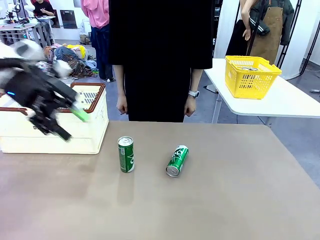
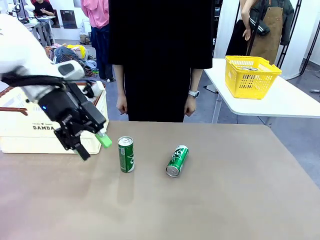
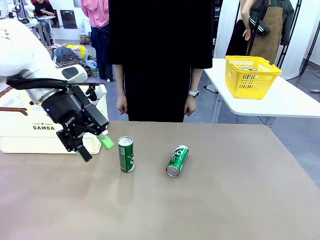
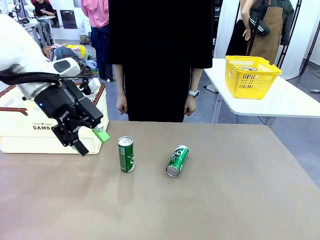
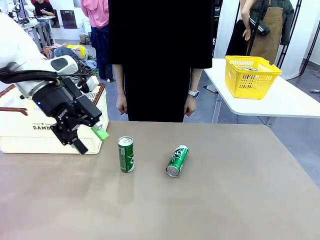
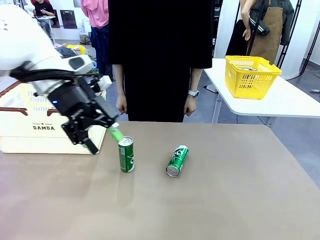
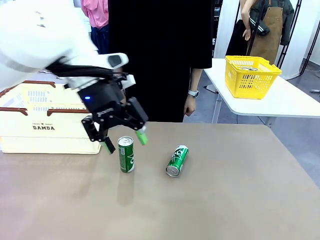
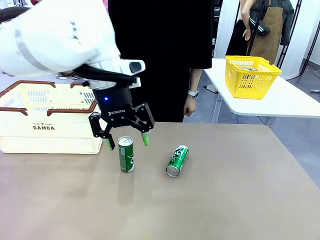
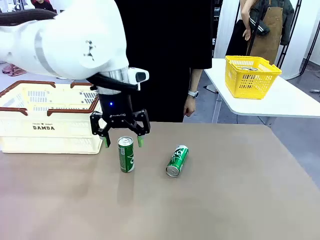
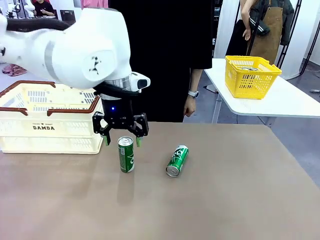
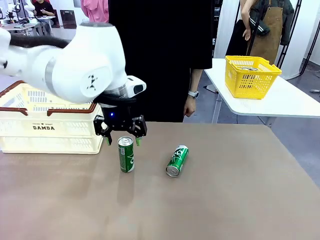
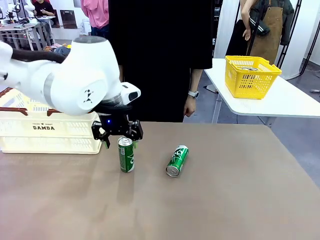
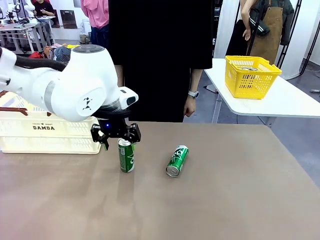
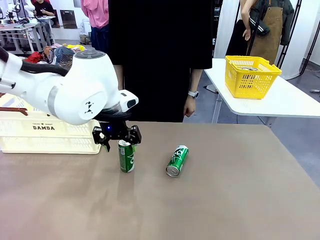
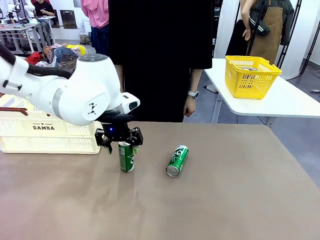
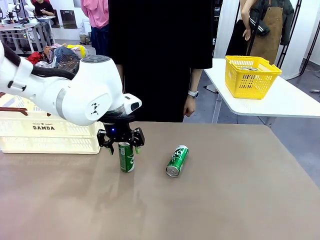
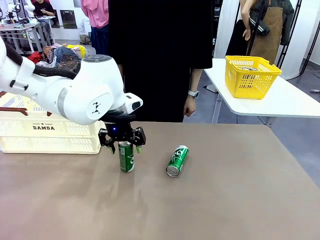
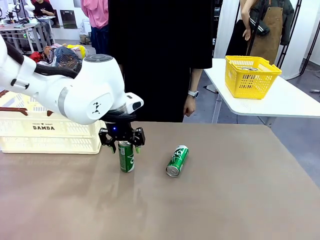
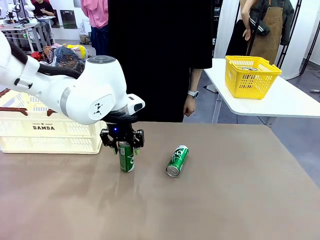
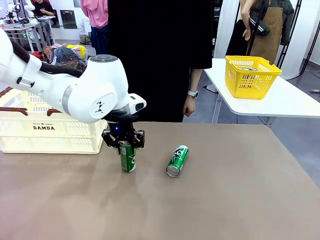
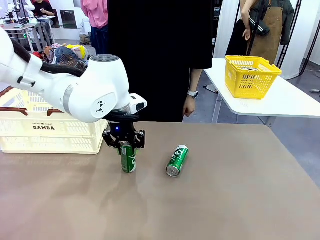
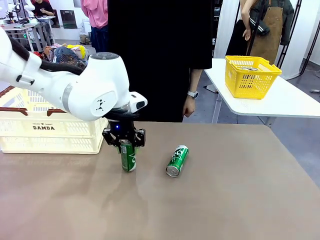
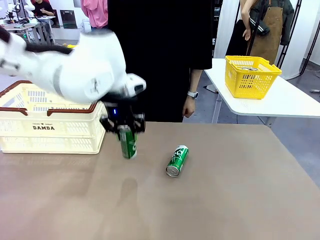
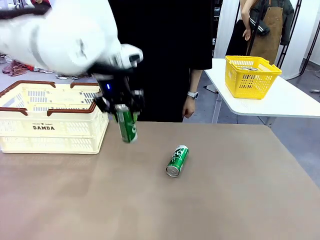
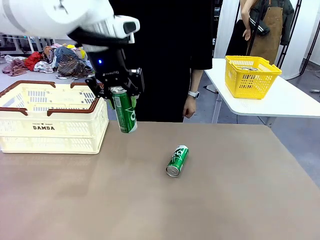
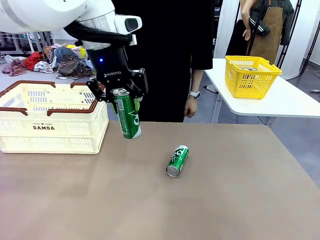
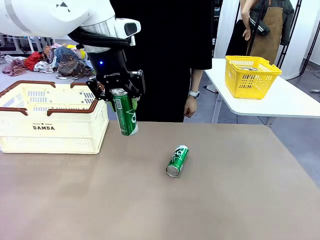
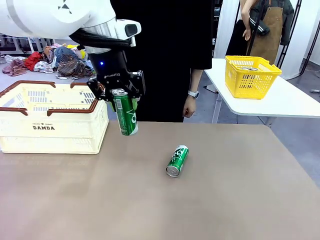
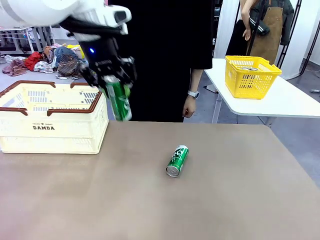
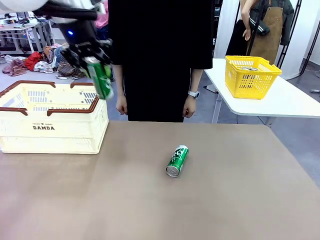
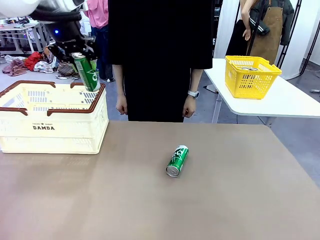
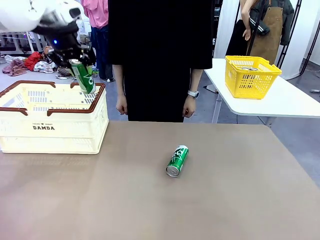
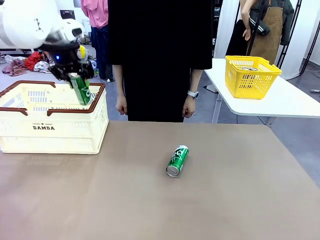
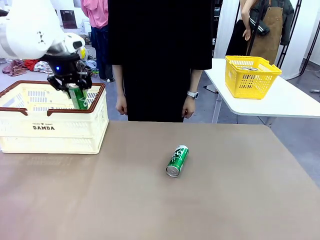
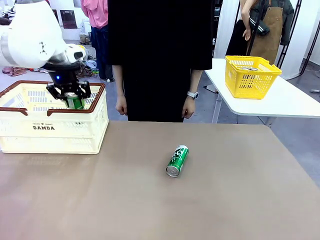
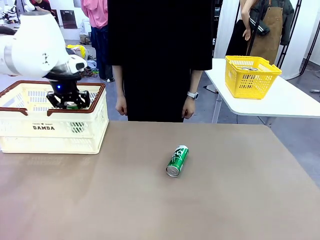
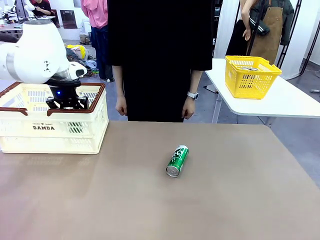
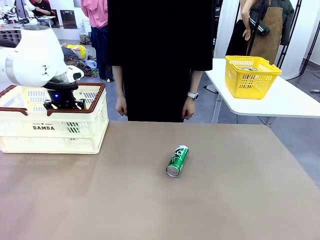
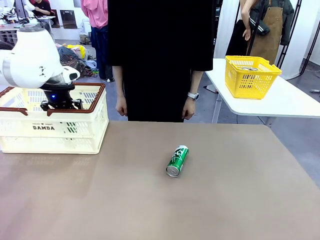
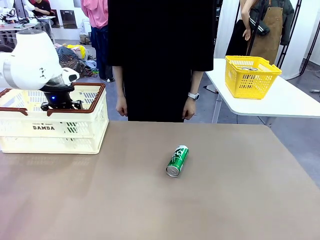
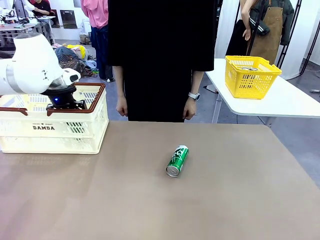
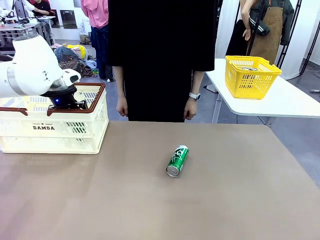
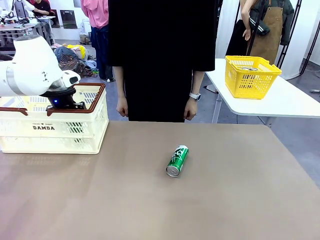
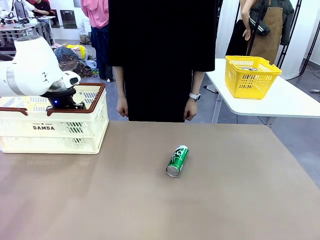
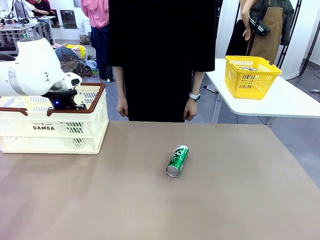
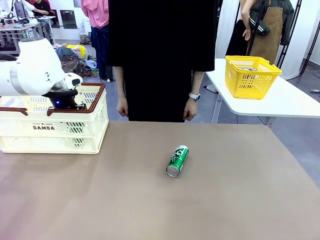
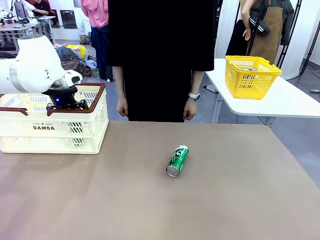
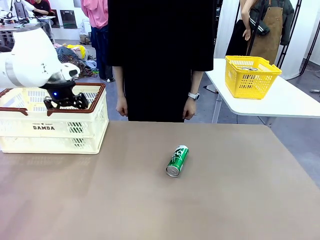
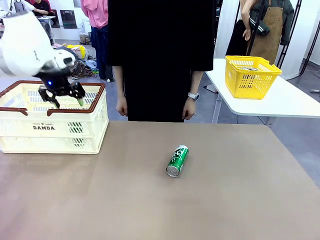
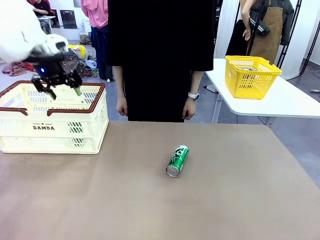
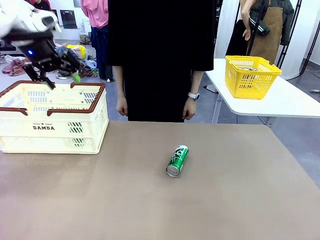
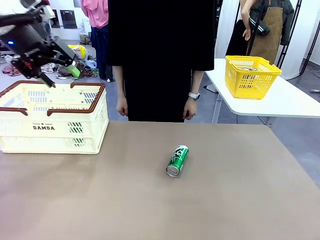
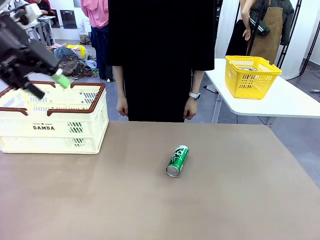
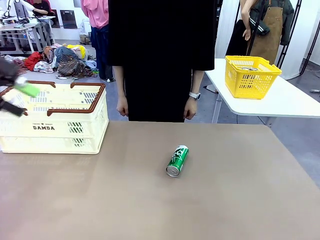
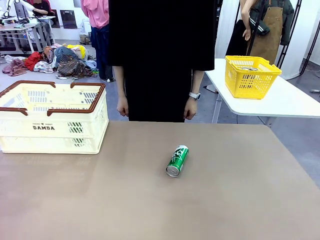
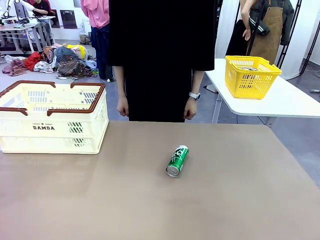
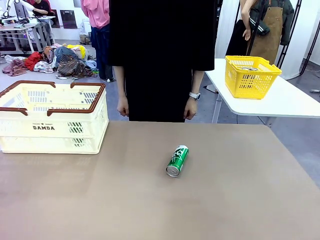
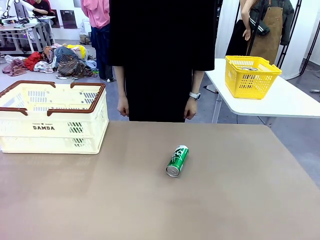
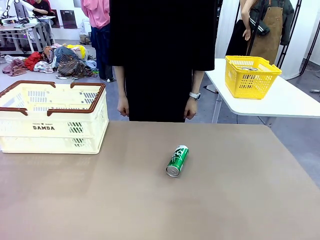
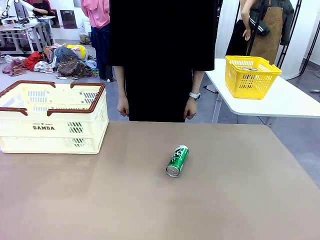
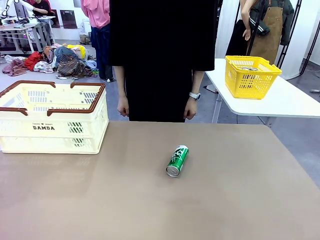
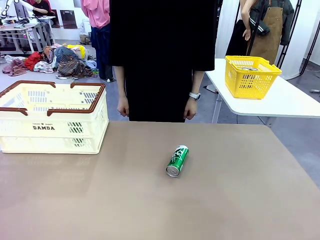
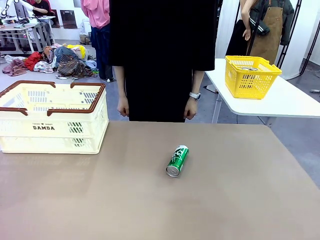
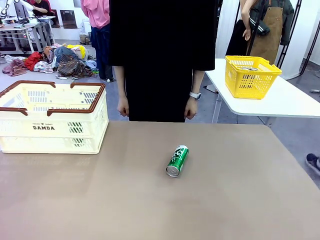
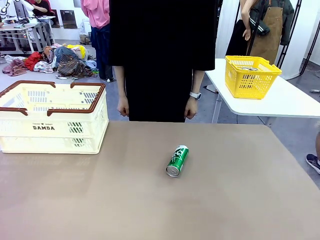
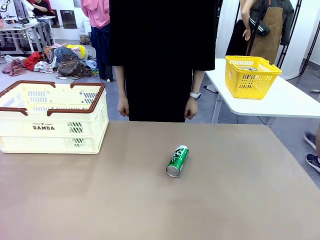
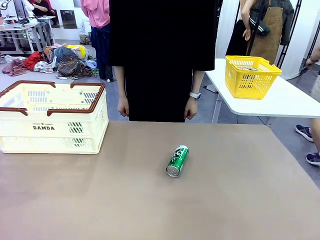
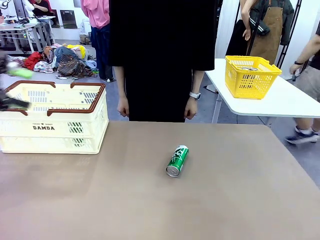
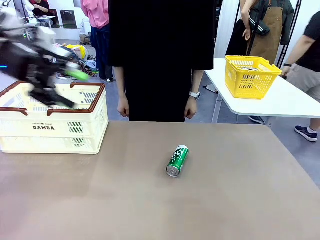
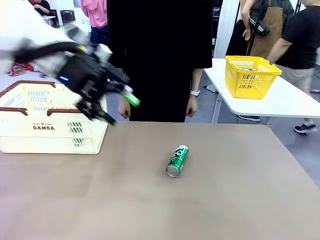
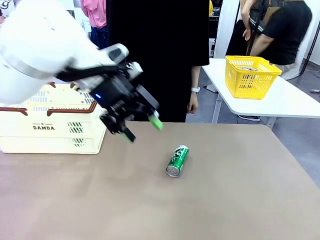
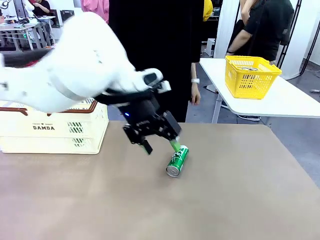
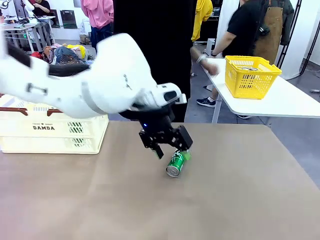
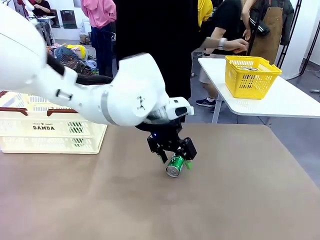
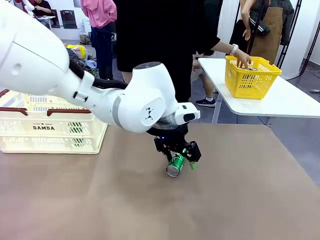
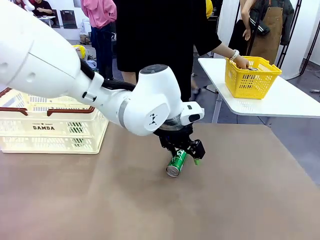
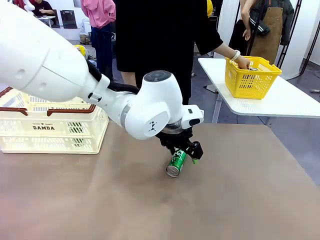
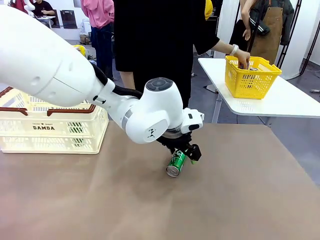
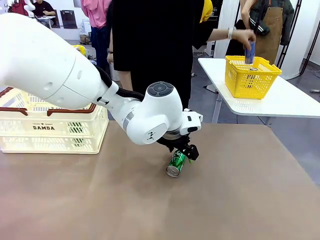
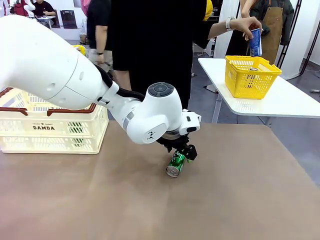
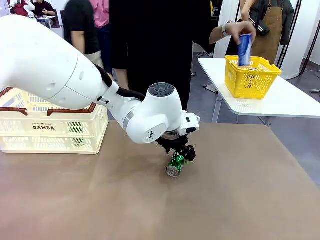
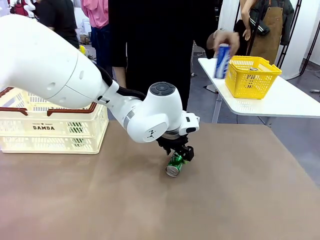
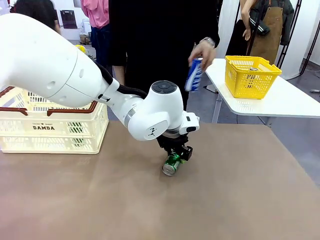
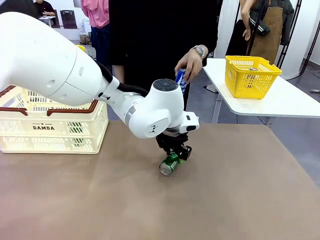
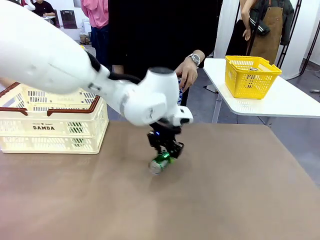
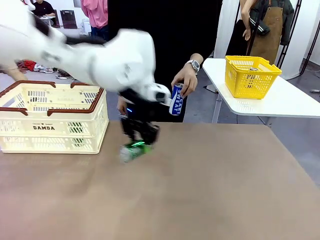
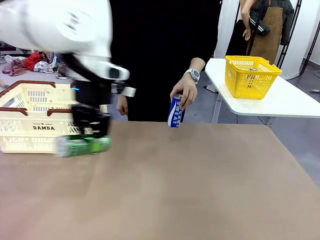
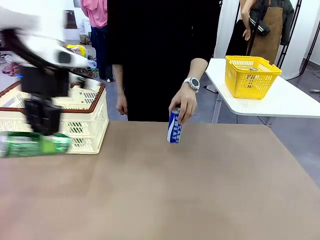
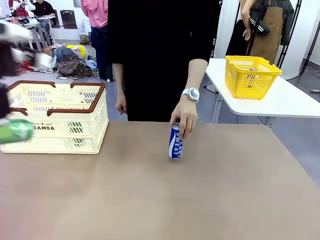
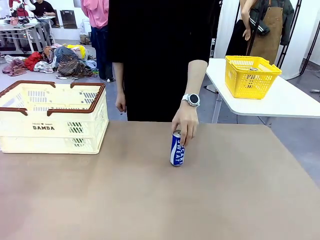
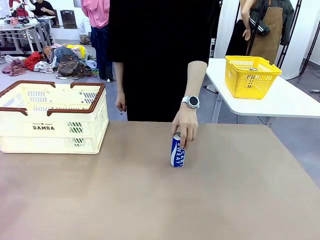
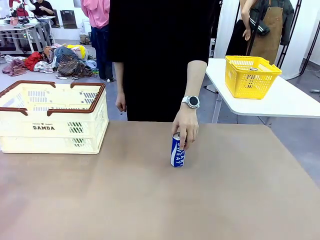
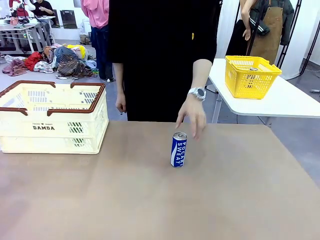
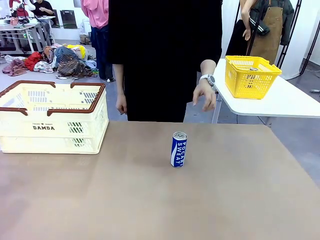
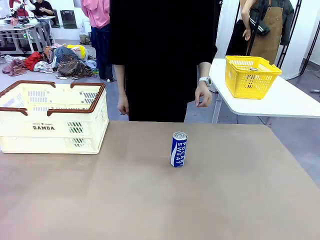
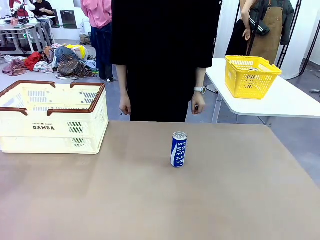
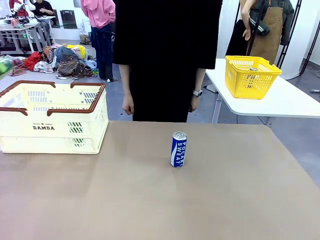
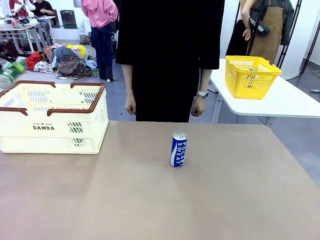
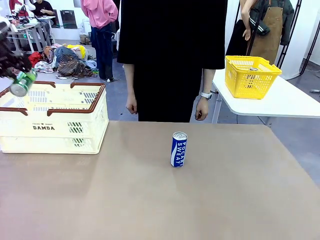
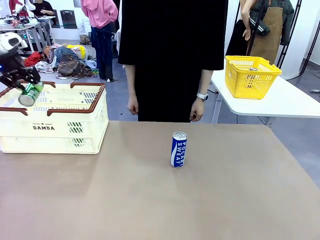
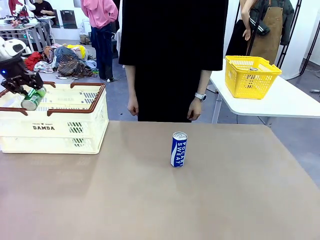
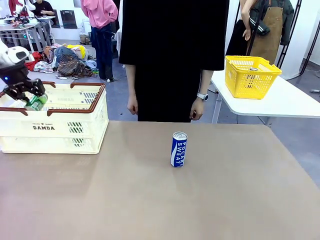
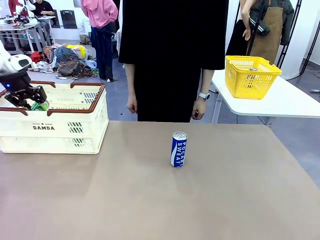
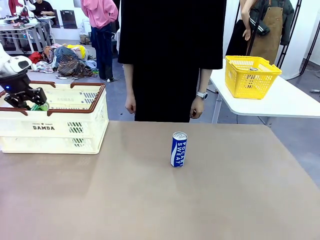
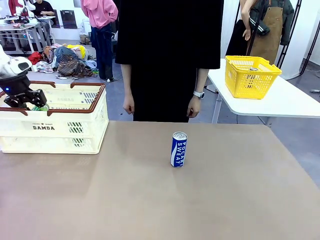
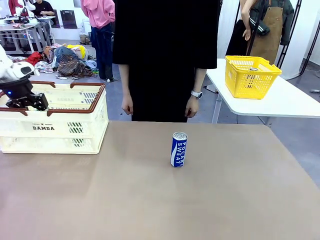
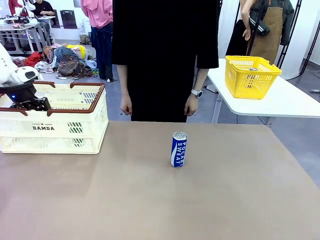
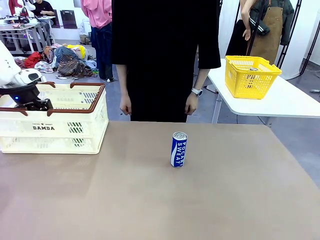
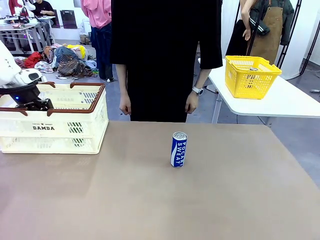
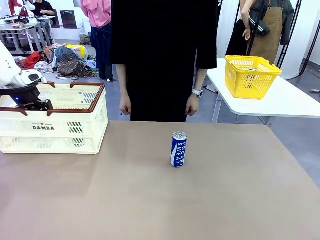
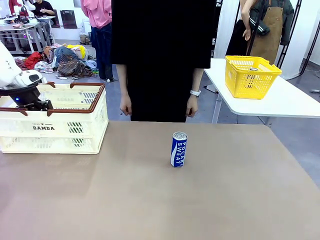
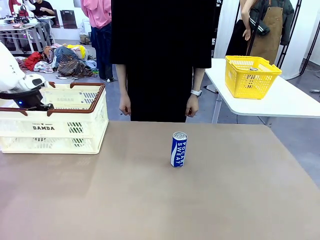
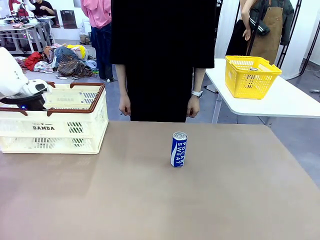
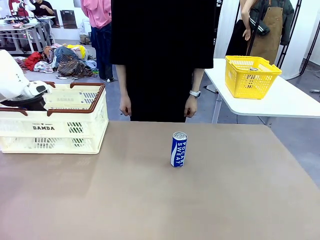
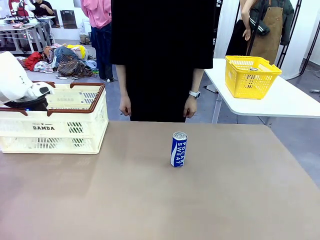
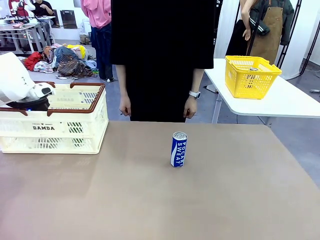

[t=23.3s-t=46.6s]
Task: Place the drinks into the Shopping basket.
Robot: Pick up one drink and place it into the Shopping basket.
